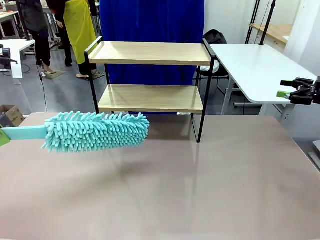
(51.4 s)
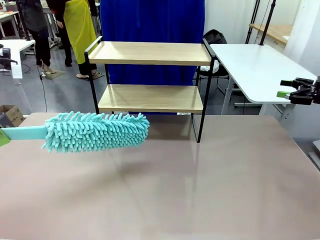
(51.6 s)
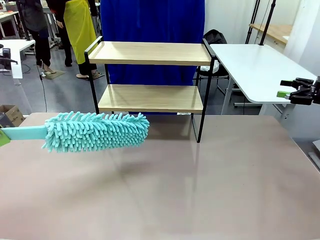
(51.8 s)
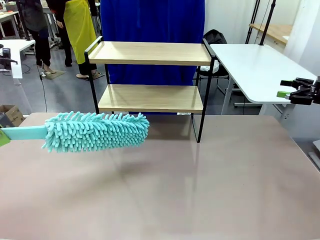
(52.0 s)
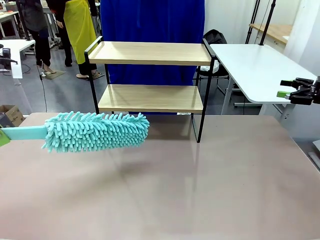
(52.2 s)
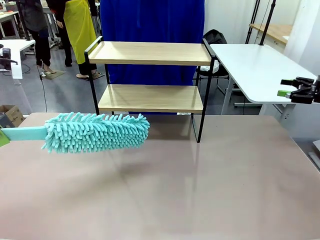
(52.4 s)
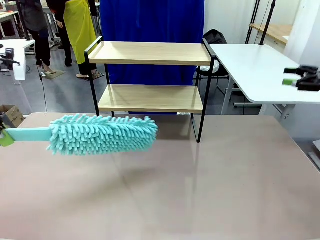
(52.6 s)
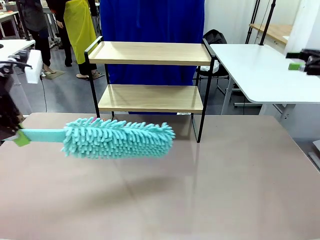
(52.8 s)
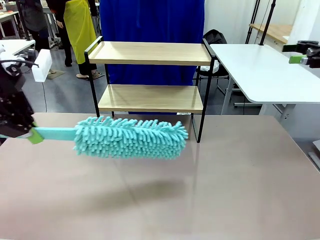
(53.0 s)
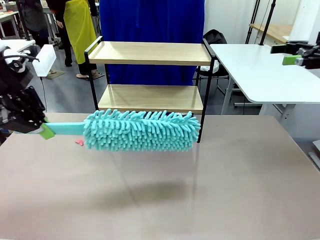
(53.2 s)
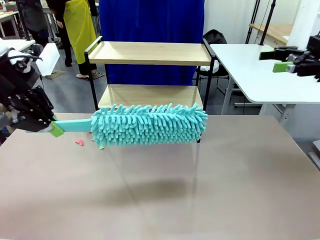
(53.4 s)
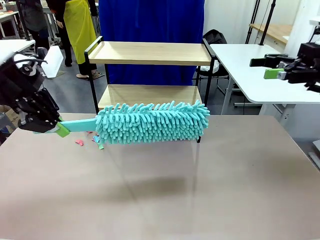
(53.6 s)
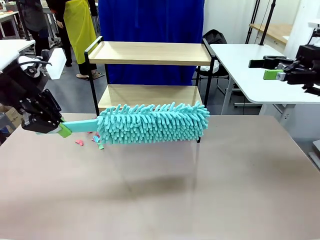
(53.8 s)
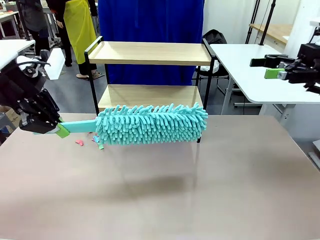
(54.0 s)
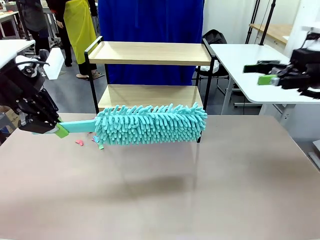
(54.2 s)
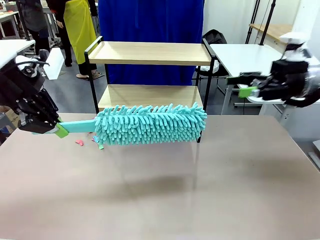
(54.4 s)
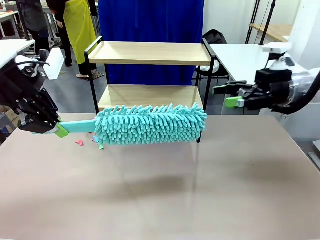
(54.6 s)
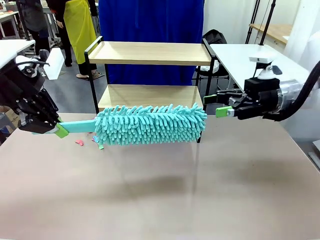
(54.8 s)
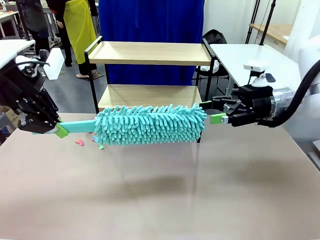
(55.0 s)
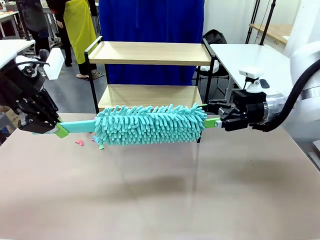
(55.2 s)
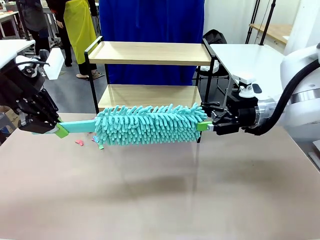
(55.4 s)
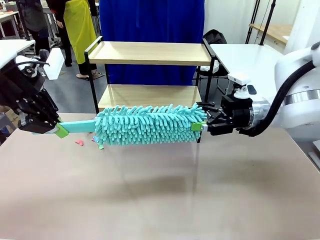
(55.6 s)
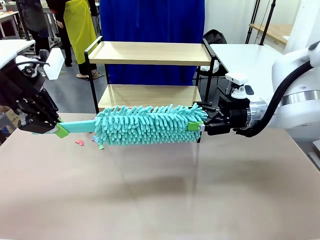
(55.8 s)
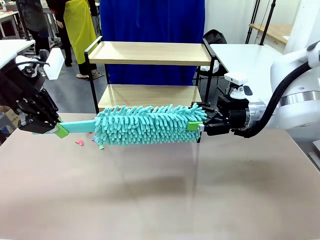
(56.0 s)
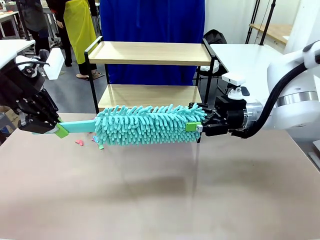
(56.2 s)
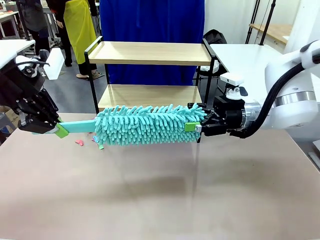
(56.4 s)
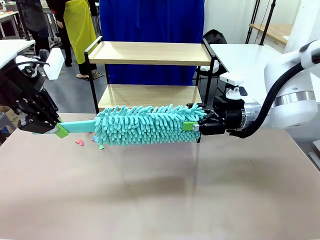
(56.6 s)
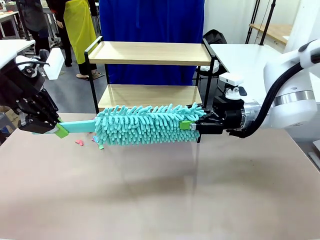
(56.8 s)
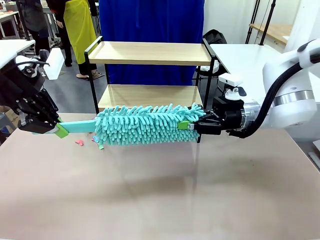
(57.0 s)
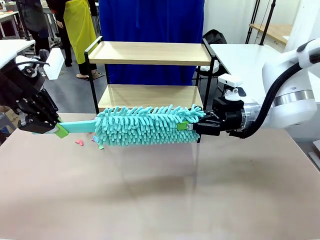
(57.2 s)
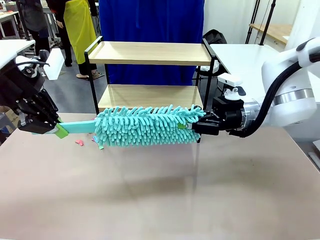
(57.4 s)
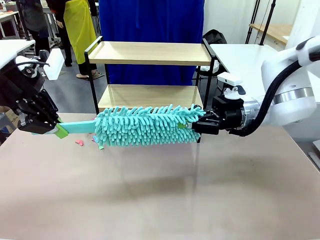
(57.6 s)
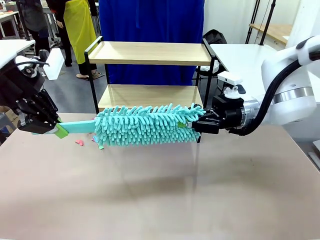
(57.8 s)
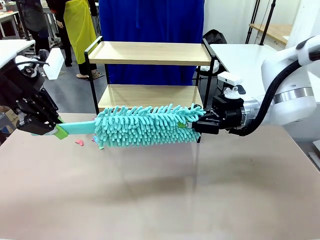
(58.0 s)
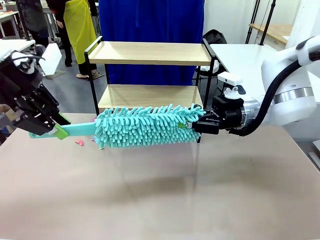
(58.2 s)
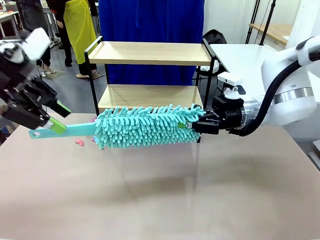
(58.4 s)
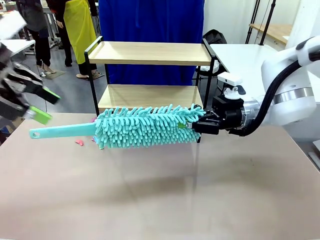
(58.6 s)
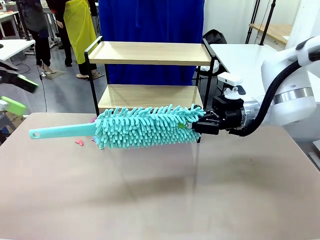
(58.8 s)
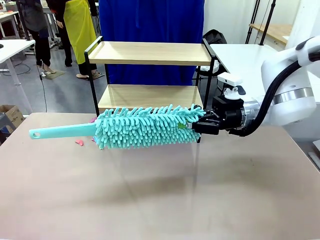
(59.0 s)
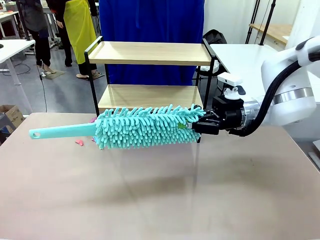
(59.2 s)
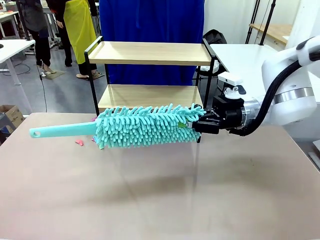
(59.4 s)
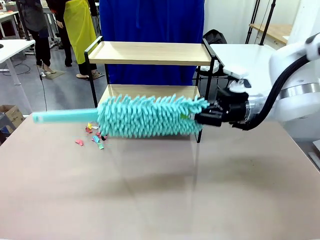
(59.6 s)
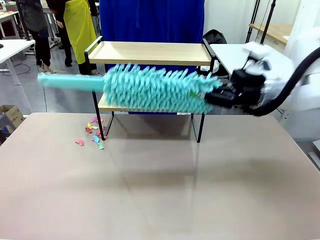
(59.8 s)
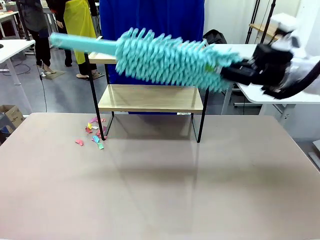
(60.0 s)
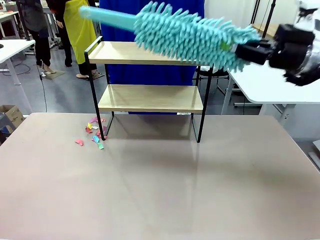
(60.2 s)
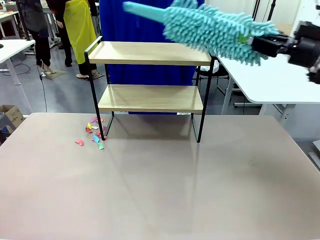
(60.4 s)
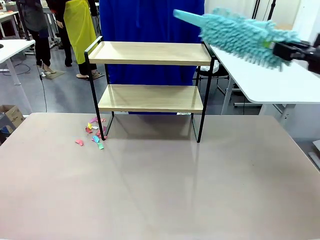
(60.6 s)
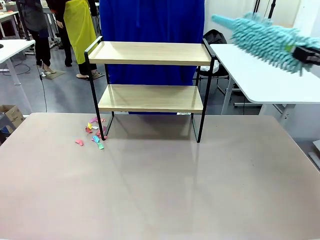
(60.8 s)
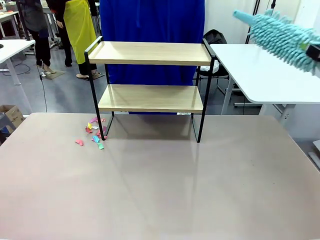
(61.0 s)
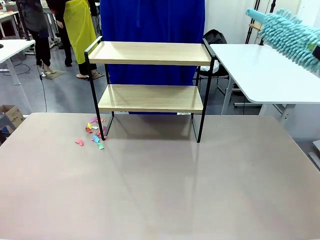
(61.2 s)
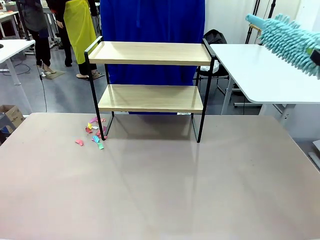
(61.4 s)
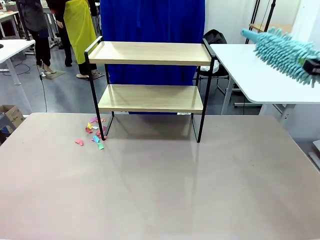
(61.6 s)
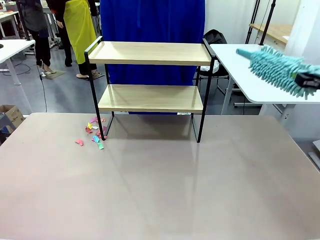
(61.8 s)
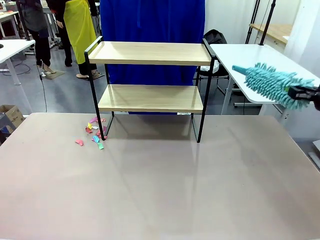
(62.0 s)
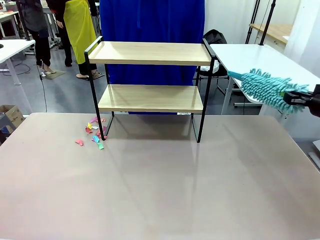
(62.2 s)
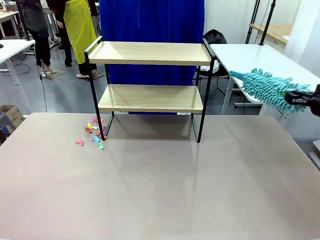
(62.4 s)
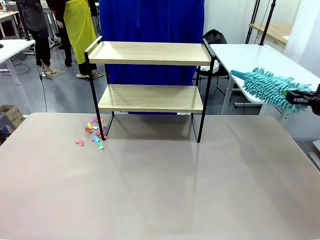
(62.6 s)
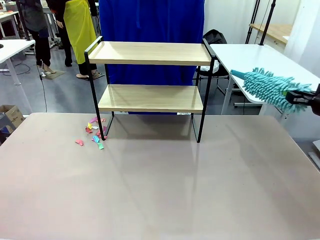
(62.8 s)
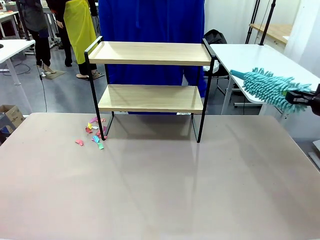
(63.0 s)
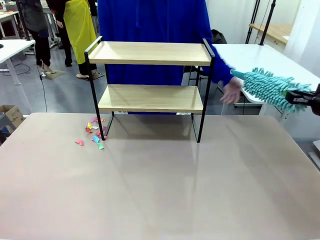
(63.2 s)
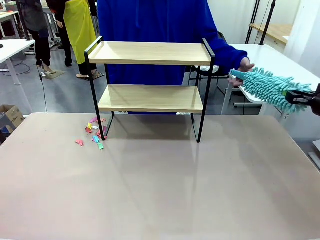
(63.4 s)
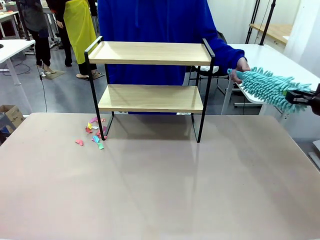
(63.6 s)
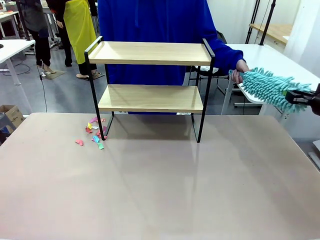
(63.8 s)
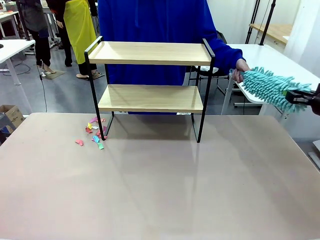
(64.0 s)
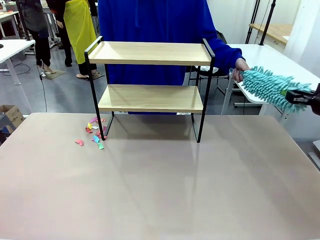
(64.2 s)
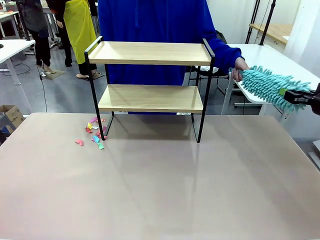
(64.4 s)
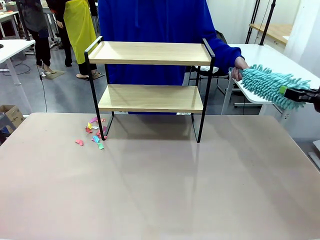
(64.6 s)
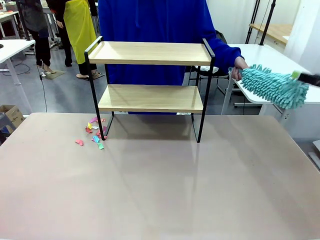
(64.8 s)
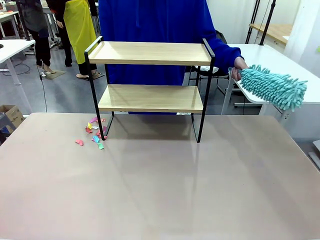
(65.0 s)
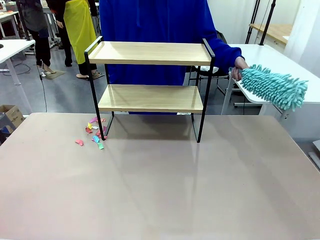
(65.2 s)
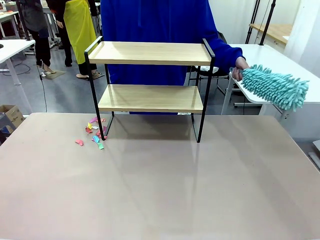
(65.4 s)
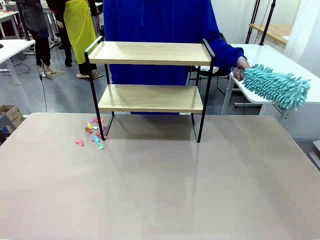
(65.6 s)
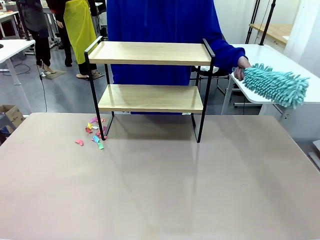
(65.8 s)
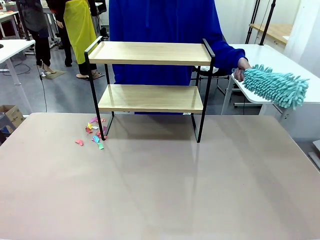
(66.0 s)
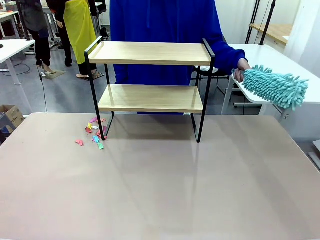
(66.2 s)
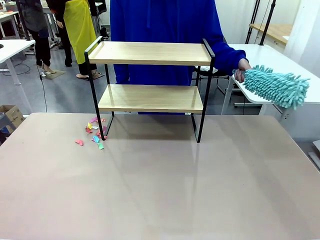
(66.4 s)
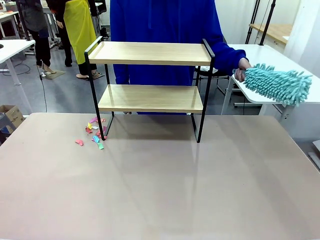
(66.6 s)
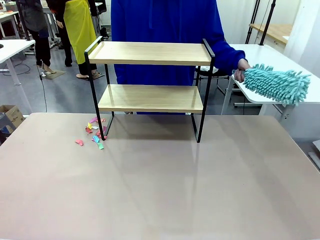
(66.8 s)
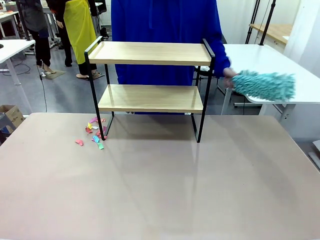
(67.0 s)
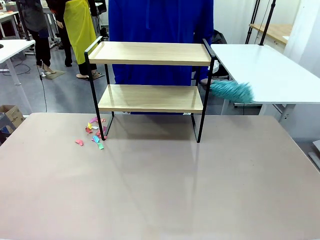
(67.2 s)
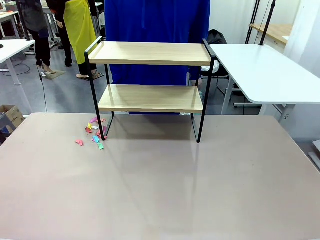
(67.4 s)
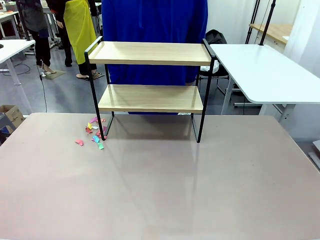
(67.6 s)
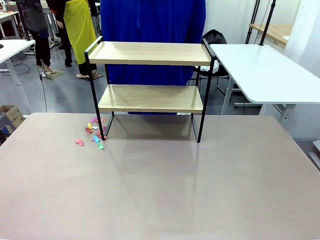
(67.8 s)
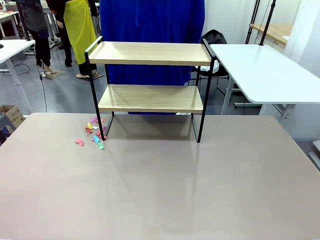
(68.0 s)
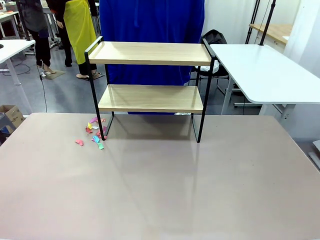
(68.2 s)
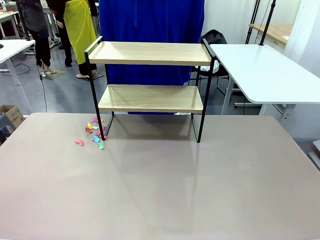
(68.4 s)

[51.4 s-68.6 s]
Task: Clean the shelf.
Robot: Hand the Duster back to the human.
Person: Receive the Duster from the robot.

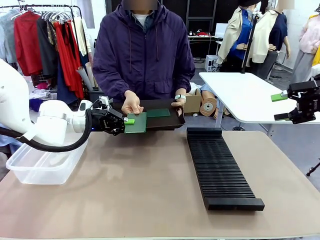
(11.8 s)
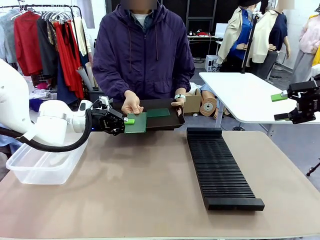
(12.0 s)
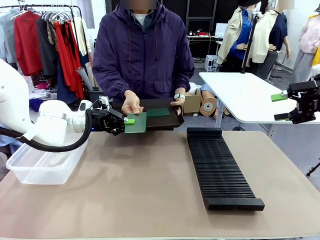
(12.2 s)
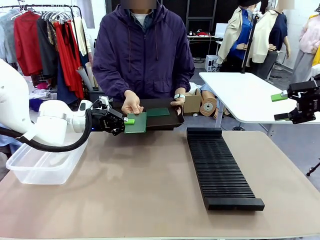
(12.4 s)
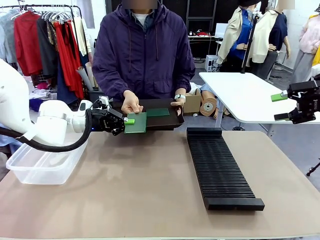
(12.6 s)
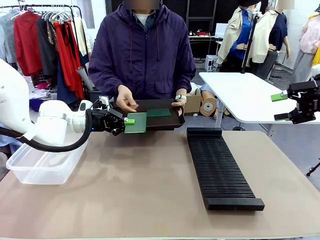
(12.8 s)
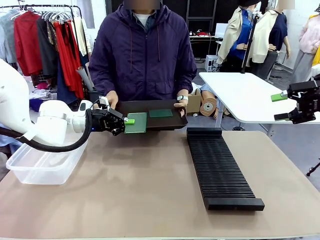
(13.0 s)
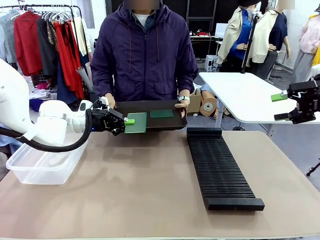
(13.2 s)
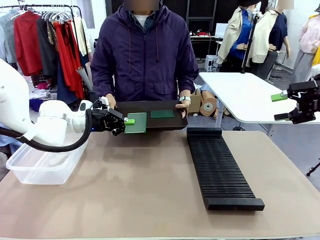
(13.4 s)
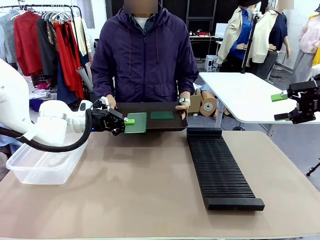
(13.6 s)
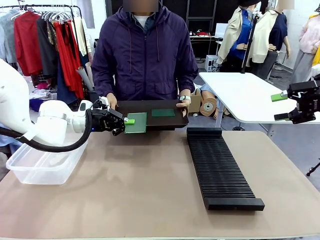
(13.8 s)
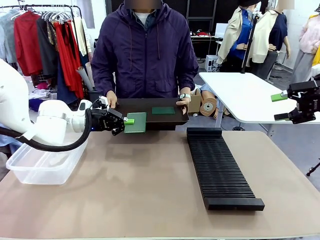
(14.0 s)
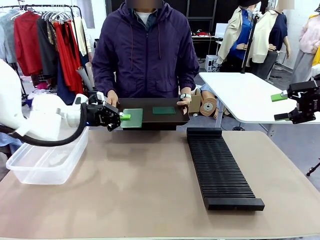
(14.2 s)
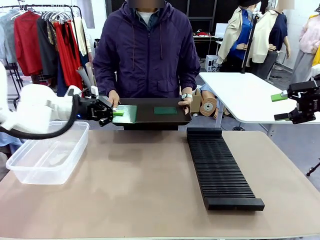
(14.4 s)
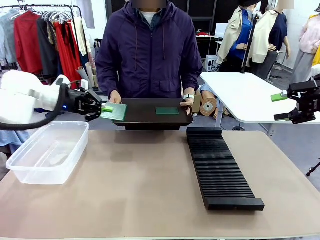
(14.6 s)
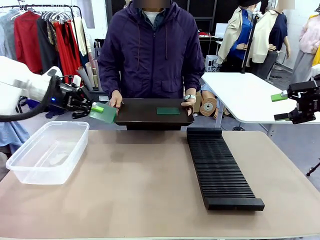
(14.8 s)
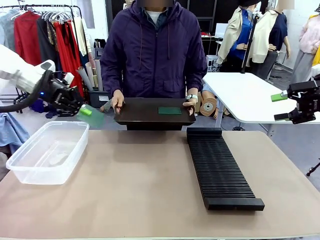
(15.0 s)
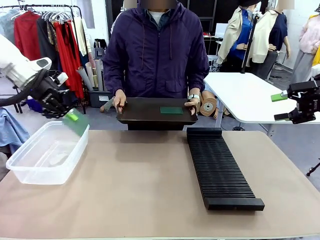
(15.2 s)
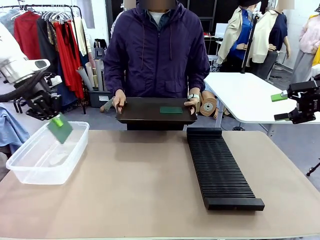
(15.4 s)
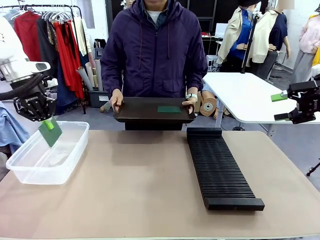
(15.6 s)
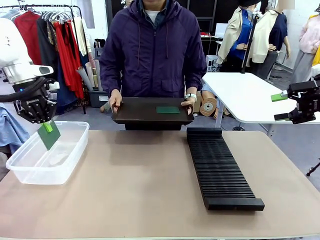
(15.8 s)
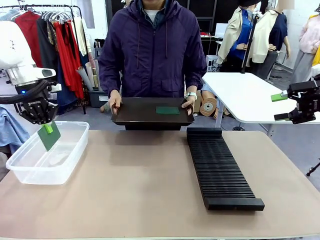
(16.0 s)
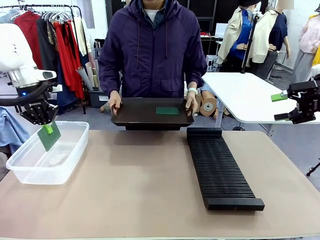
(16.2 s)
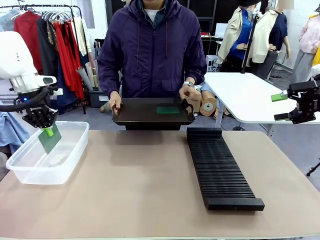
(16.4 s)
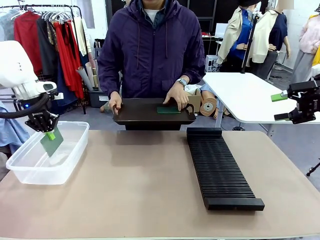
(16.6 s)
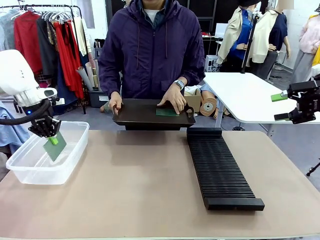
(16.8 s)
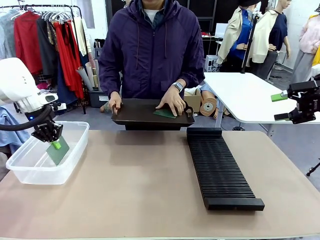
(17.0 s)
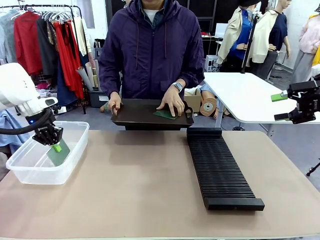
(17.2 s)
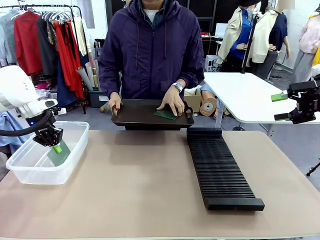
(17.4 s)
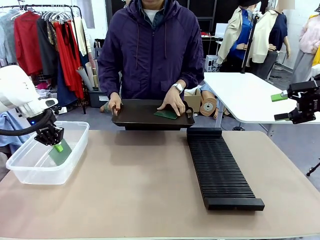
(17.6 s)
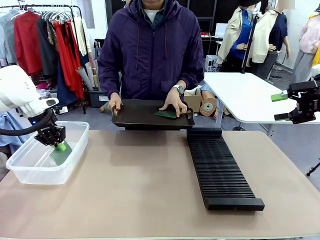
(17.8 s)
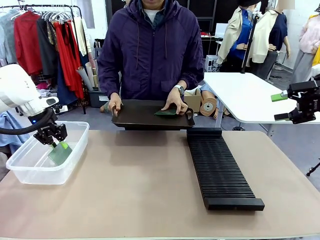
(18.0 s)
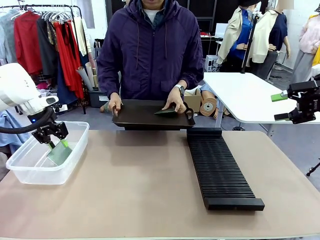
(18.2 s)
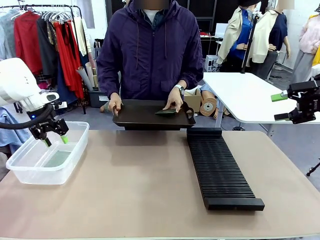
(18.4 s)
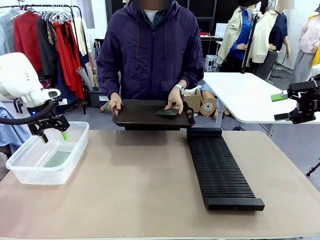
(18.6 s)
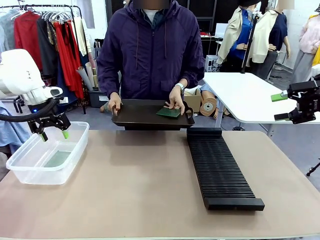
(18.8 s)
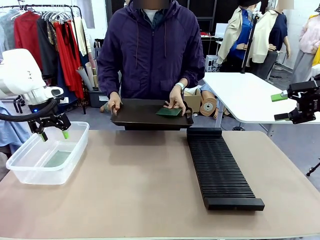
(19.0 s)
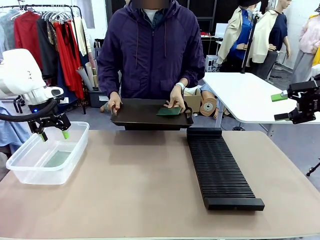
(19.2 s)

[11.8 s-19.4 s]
Task: Sort PCBs into racks and boxes based on the side picked up.
Robot: If the short side of the Blank PCB is picked up, insert it into the PCB Rack ; if the long side is picked up, place it in the Organizing box.
Person: Pick one PCB from the tray and present it to the robot.
